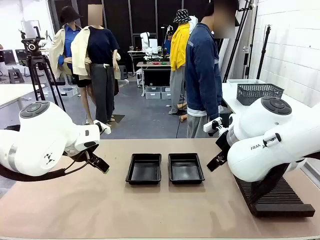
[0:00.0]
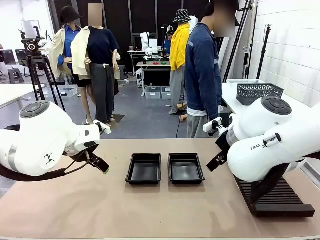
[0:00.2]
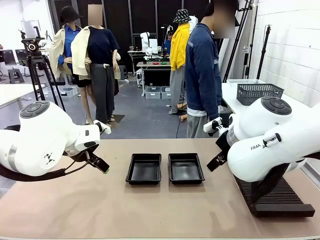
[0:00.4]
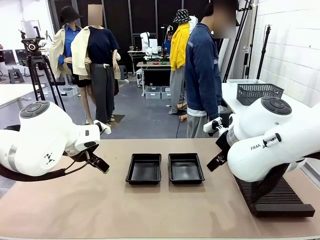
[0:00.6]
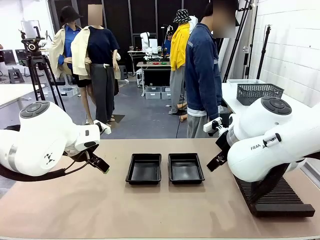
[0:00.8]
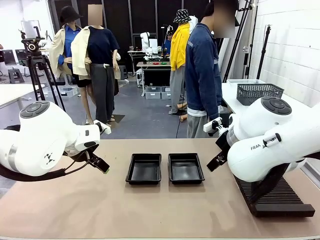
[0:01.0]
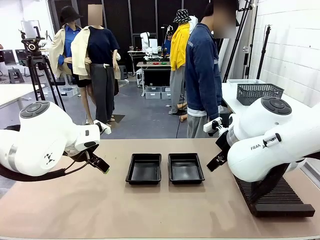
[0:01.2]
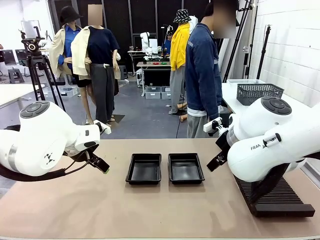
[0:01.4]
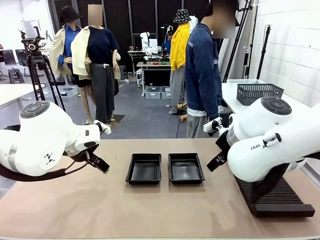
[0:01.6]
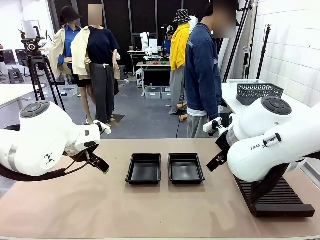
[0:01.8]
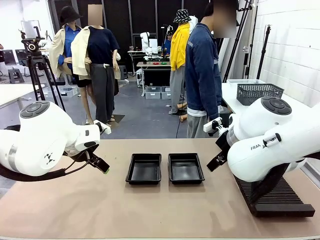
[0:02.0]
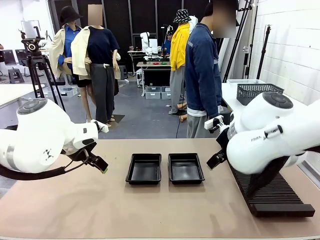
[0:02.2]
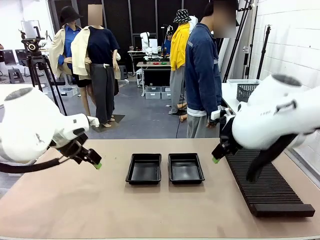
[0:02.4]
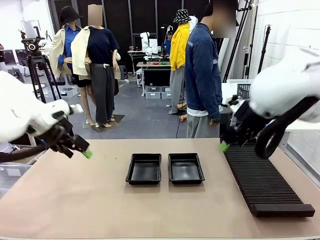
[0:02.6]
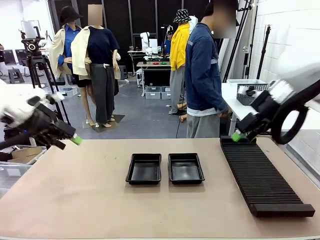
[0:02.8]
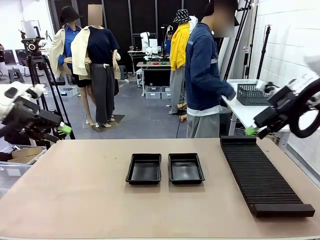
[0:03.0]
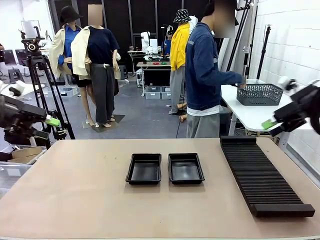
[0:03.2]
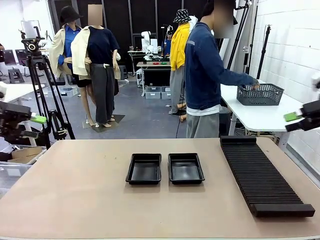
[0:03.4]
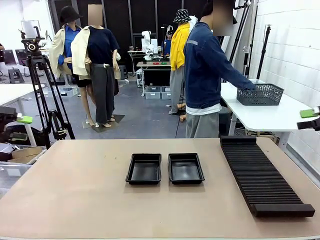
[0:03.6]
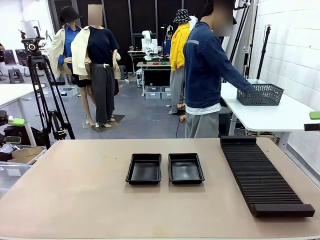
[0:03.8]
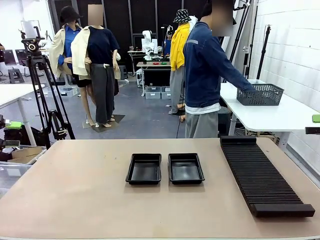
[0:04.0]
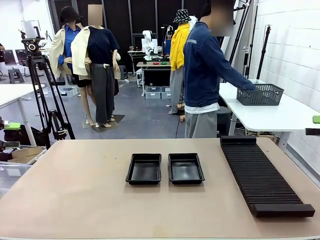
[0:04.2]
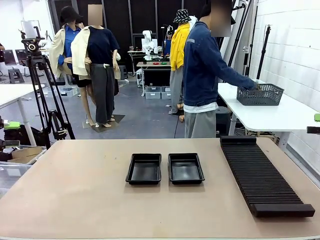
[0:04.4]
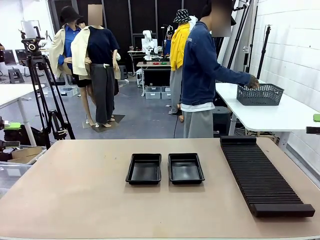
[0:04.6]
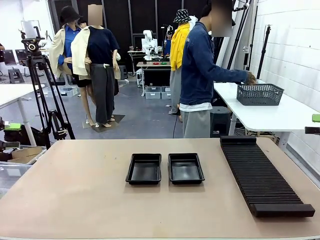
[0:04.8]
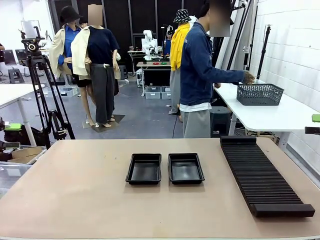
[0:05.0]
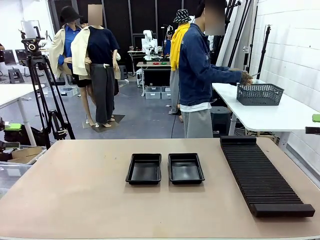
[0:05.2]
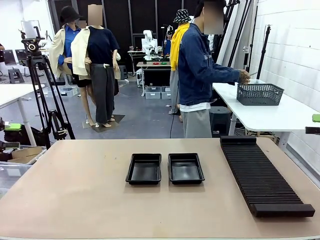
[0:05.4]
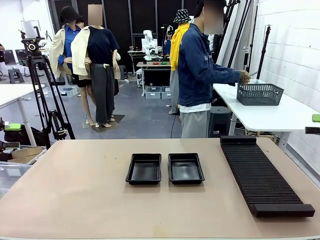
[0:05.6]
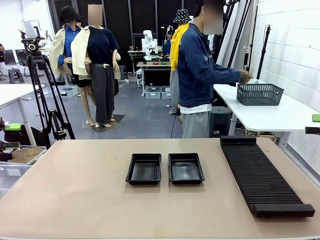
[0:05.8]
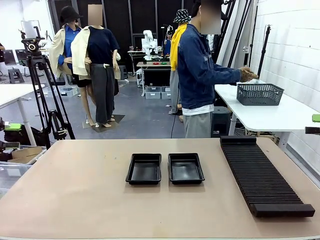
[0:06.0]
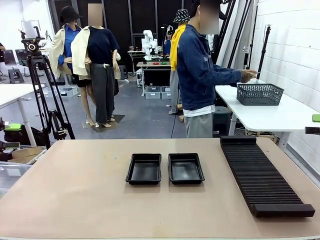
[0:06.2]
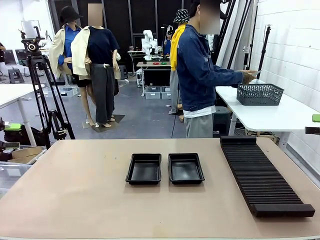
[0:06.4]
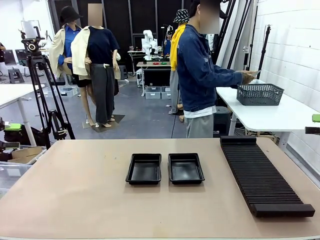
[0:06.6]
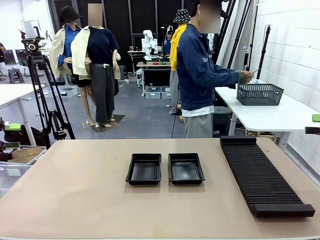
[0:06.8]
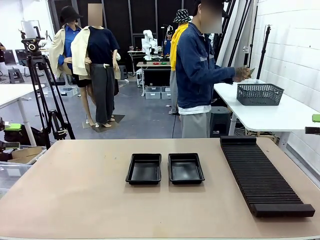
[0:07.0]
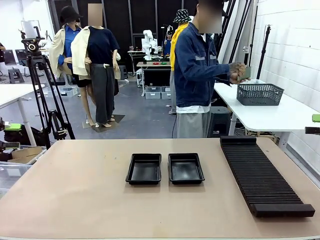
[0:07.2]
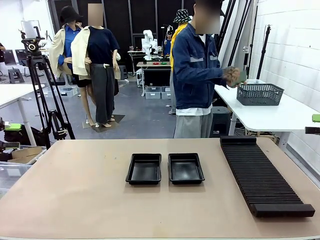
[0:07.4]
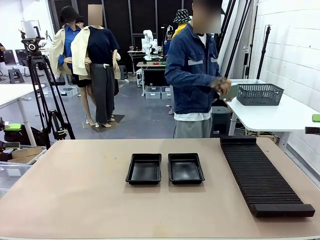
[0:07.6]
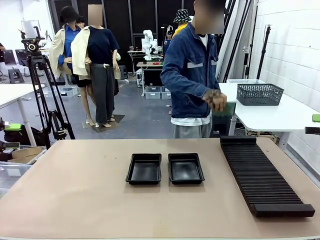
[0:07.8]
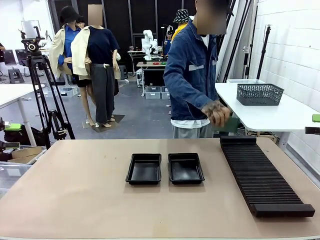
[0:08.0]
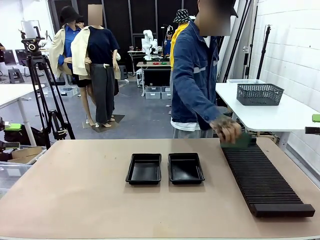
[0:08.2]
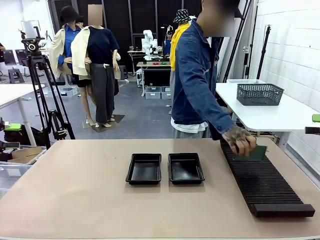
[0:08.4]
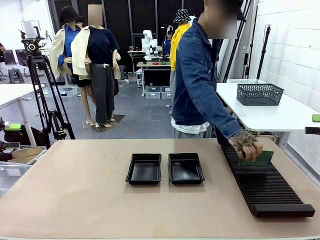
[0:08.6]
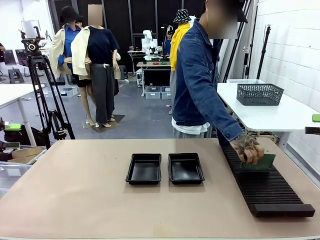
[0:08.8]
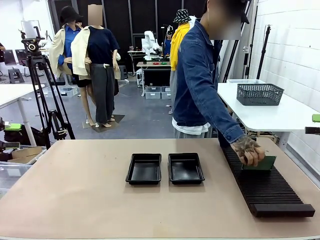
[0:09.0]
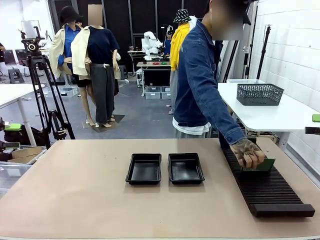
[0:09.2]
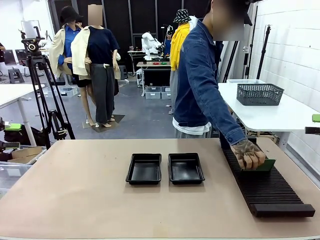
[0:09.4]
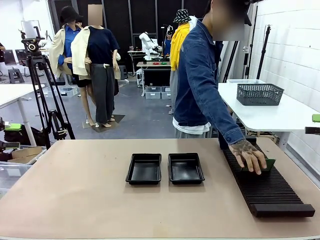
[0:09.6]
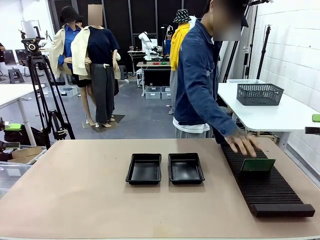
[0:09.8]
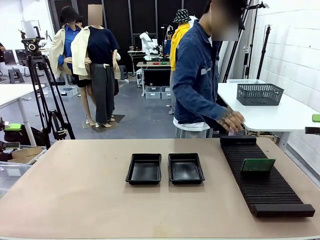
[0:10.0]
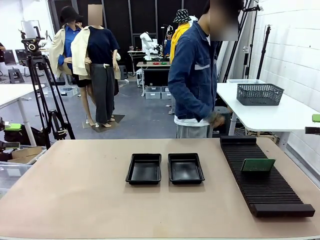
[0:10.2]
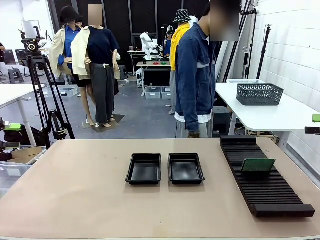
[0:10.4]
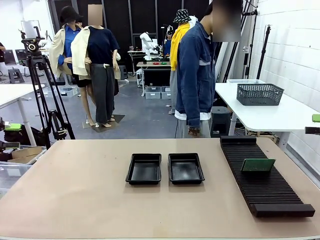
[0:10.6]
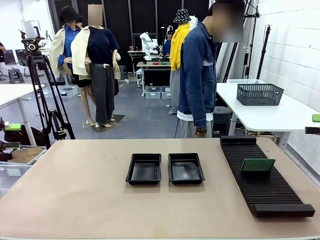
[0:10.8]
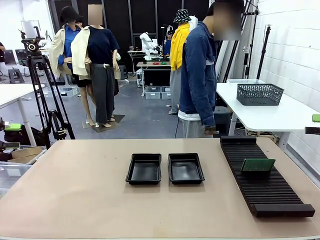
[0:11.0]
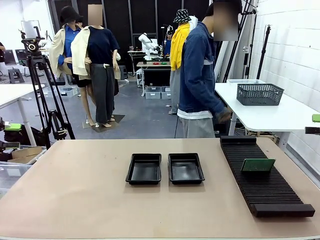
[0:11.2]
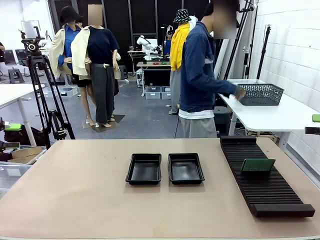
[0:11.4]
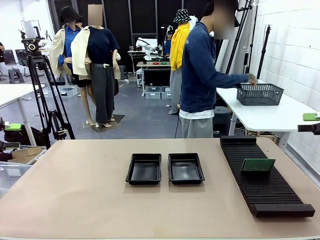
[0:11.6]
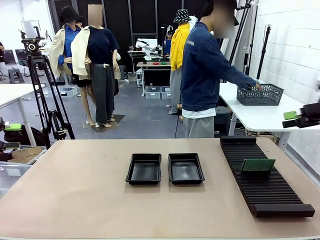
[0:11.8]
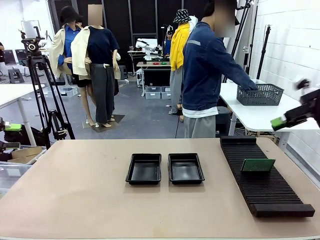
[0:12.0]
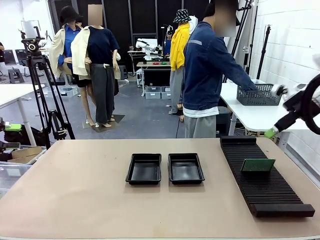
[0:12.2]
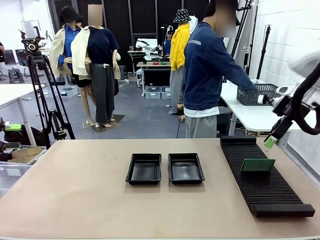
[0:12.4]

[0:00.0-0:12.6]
Task: Inspect and transfer BCBs to ESD trays.
Robot: Pick up the Blank PCB from the PCB Rack and place it in the left ESD tray.

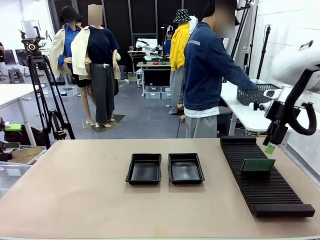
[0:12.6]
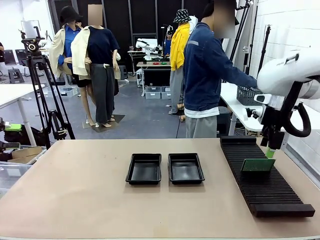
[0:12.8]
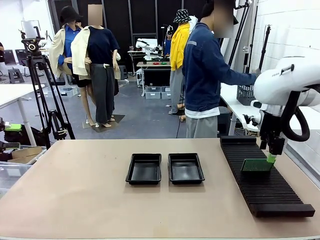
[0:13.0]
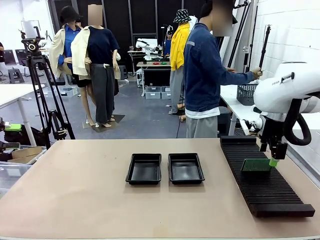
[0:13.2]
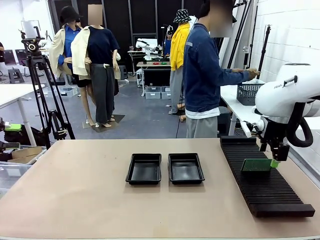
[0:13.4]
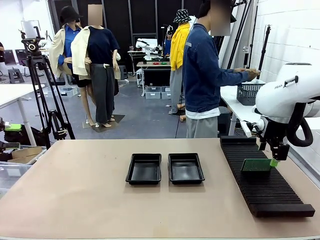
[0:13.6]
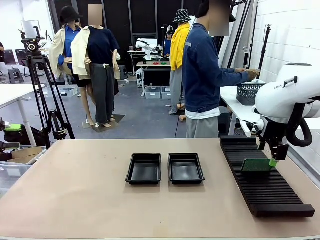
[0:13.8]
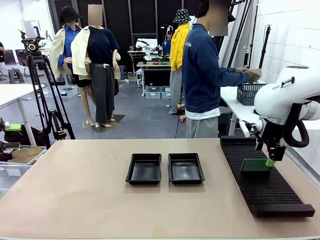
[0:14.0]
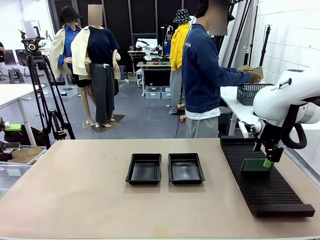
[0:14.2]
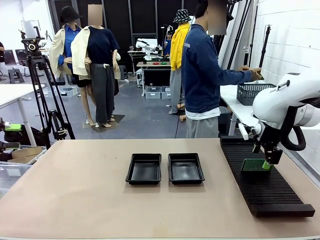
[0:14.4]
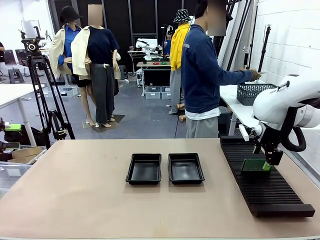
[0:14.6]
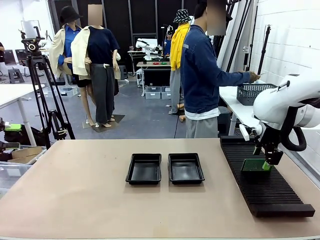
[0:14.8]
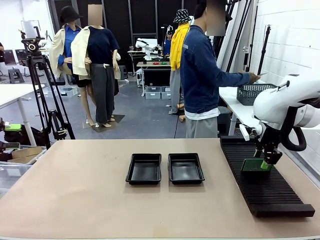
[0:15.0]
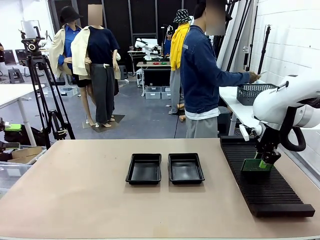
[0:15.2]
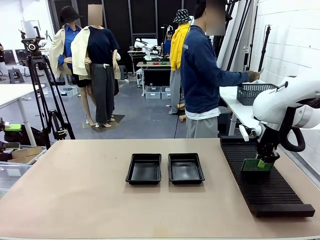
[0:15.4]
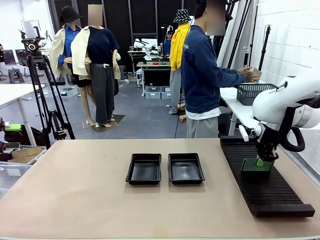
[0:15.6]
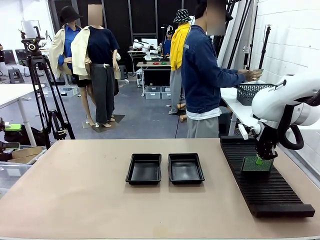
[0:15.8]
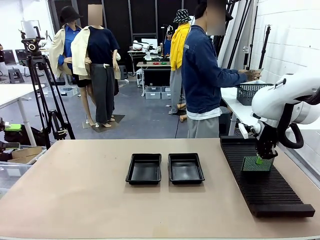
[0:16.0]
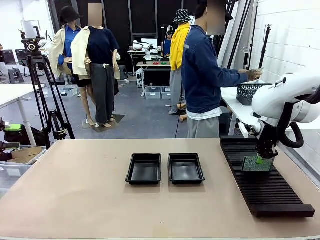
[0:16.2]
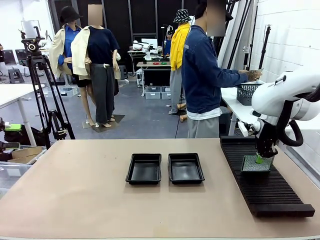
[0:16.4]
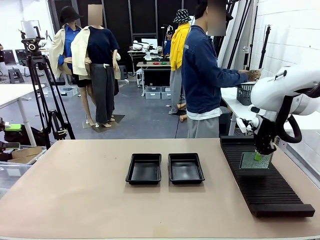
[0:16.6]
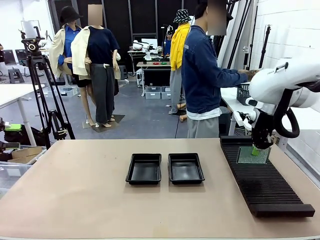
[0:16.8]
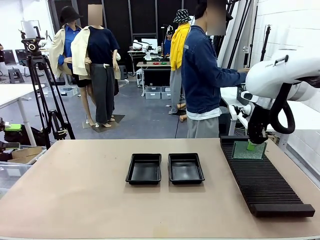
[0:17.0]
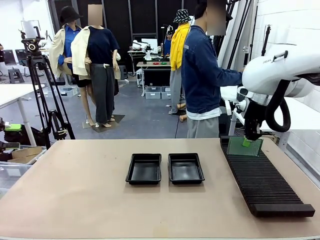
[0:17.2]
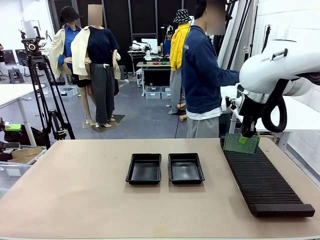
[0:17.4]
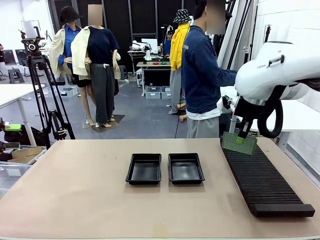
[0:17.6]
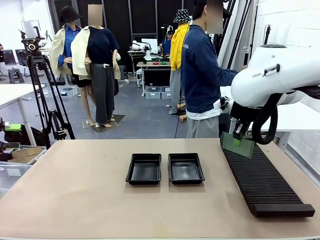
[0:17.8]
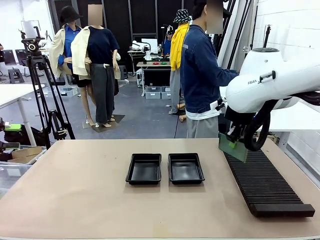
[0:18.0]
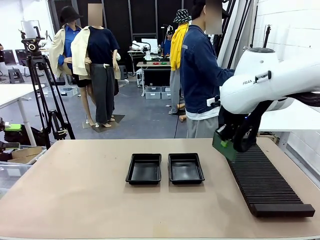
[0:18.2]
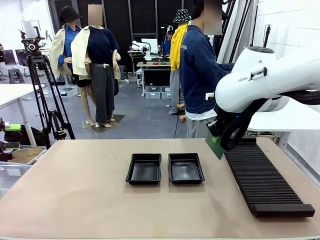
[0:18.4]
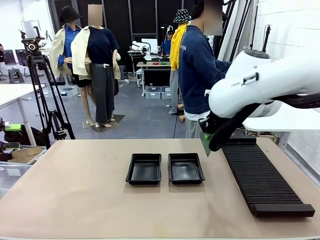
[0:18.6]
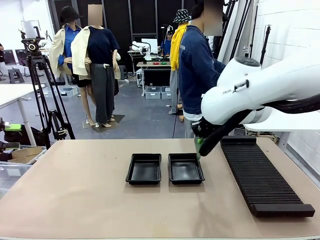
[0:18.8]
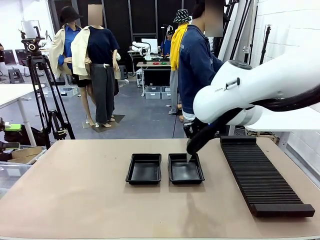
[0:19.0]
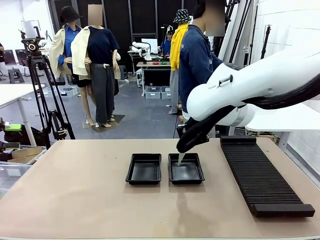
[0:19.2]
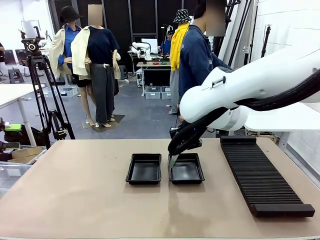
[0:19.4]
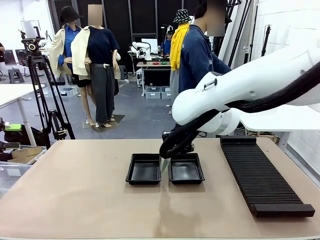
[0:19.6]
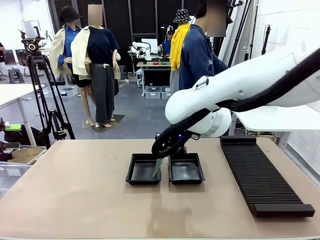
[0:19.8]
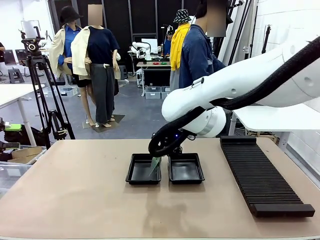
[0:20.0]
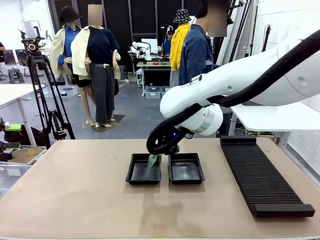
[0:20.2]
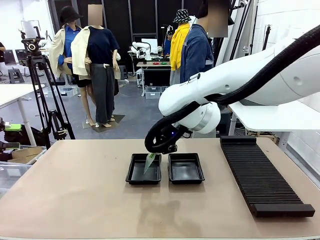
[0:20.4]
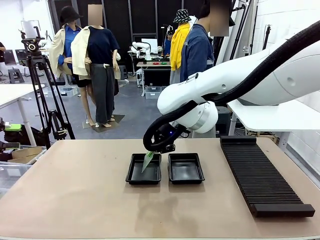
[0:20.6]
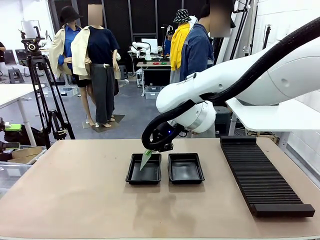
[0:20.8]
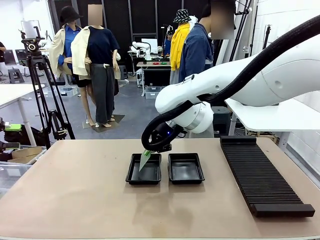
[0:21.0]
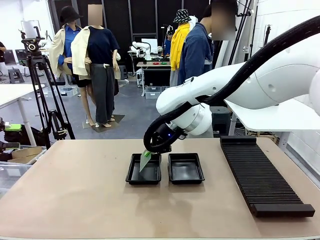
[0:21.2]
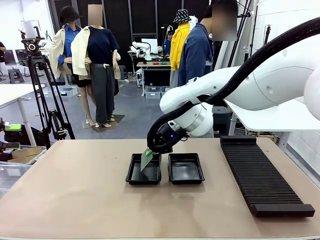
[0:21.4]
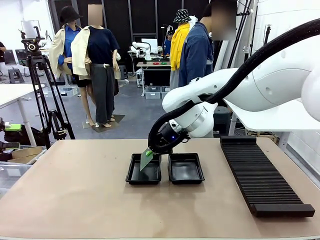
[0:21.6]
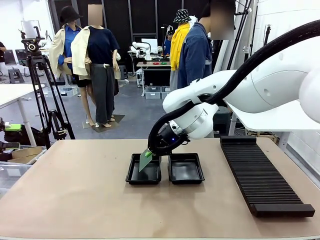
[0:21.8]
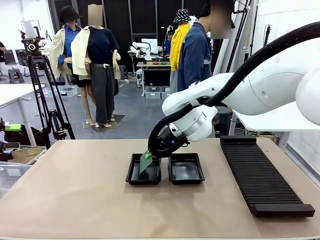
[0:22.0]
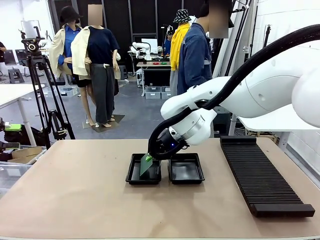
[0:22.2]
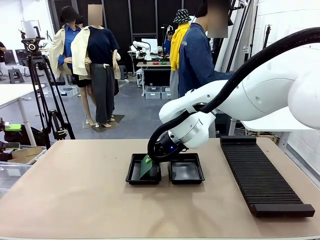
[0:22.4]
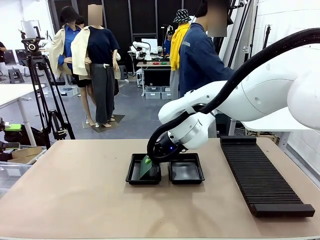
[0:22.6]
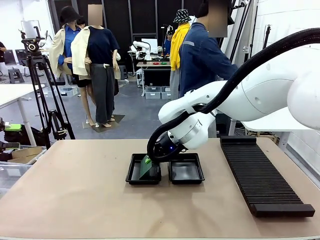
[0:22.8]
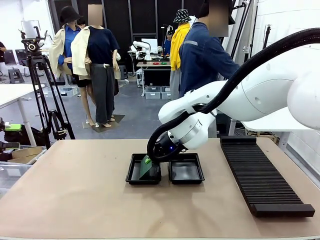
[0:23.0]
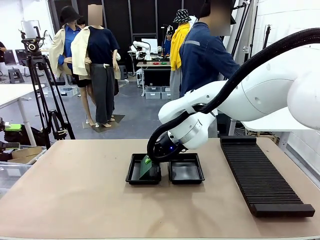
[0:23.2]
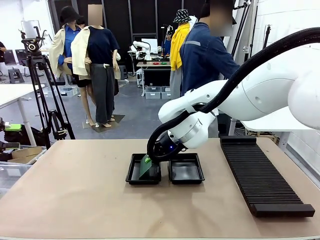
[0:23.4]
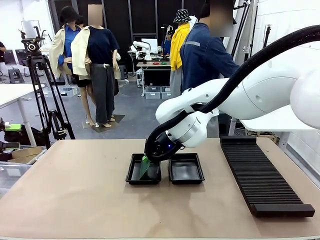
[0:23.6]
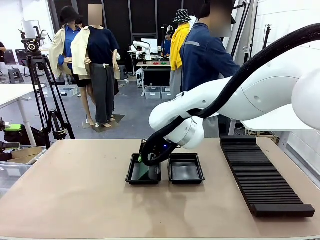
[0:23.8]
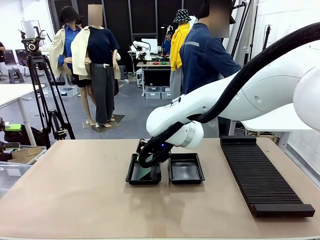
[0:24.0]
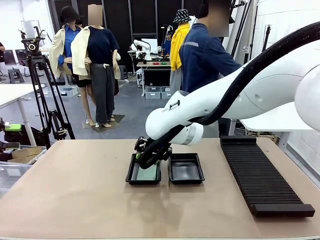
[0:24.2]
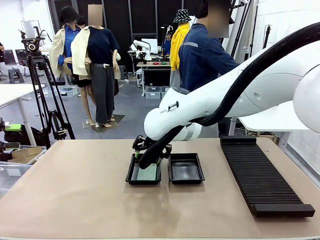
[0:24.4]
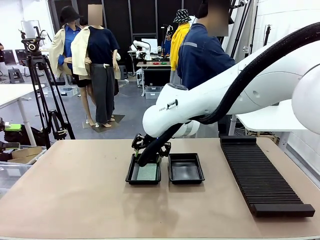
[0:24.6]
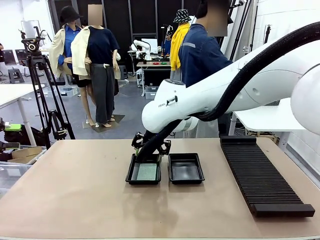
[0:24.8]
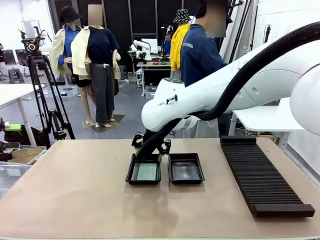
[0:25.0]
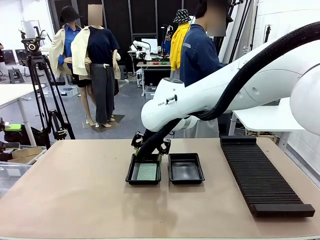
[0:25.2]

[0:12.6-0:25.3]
Robot: Pick up the Blank PCB from the PCB Rack and place it in the left ESD tray.
